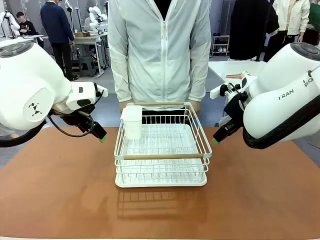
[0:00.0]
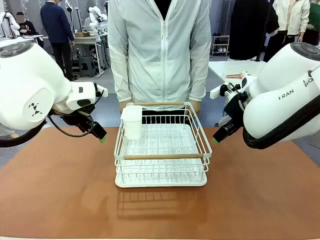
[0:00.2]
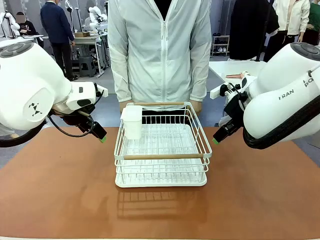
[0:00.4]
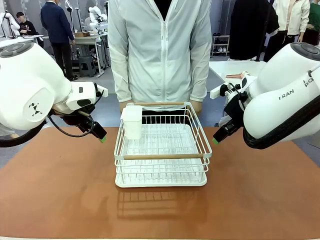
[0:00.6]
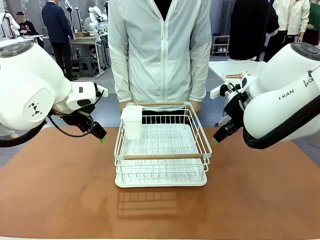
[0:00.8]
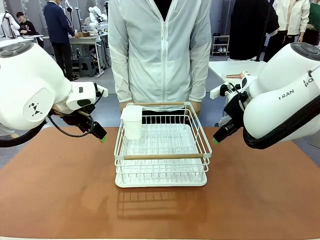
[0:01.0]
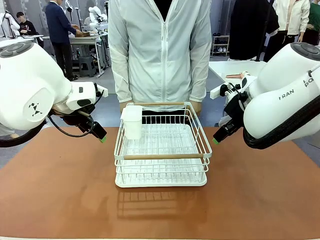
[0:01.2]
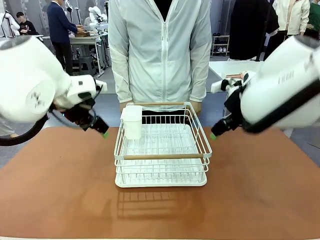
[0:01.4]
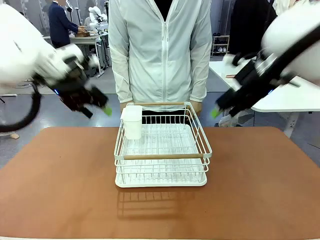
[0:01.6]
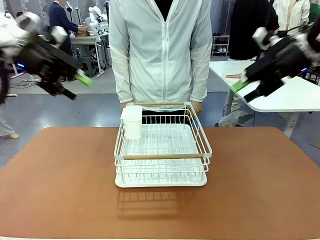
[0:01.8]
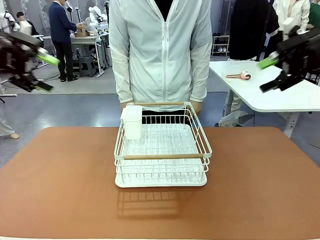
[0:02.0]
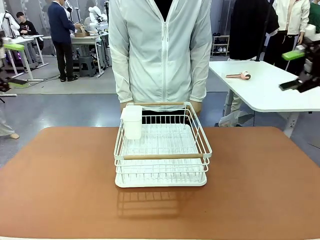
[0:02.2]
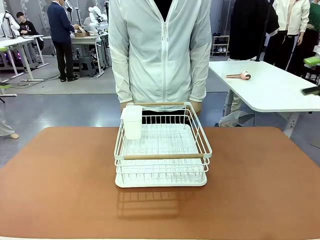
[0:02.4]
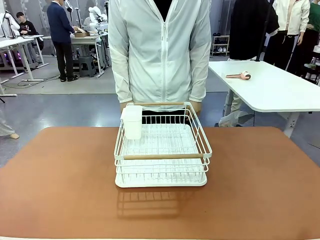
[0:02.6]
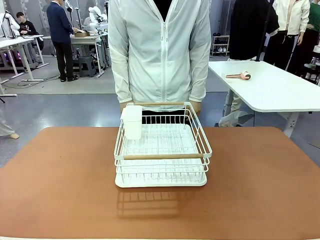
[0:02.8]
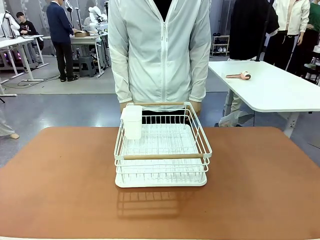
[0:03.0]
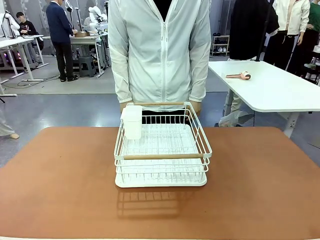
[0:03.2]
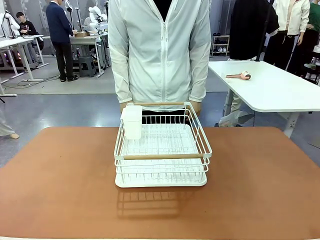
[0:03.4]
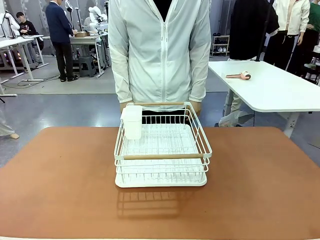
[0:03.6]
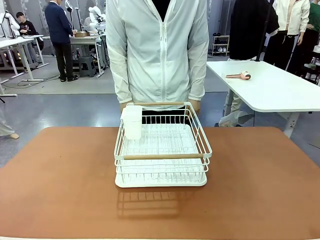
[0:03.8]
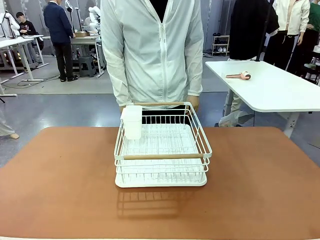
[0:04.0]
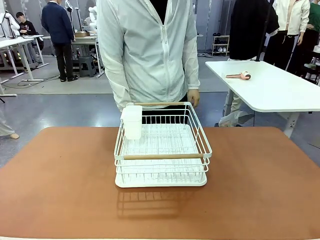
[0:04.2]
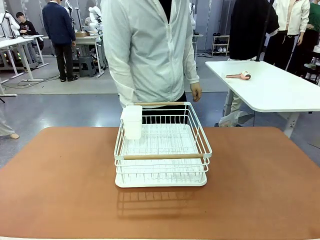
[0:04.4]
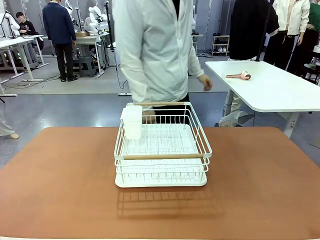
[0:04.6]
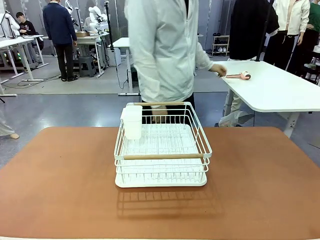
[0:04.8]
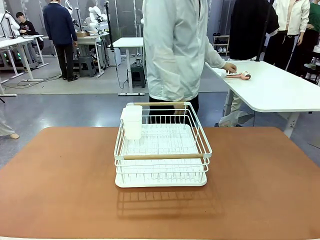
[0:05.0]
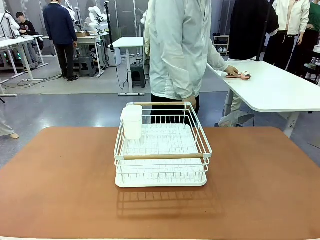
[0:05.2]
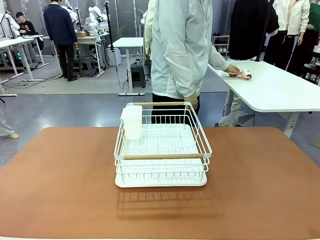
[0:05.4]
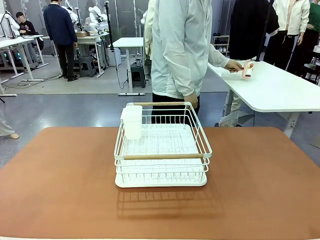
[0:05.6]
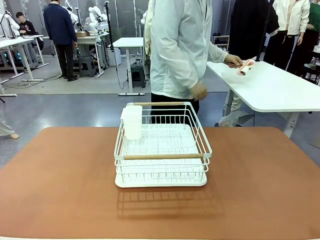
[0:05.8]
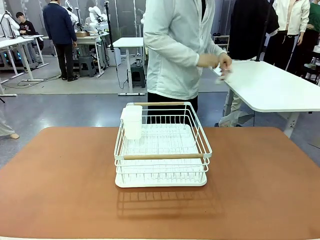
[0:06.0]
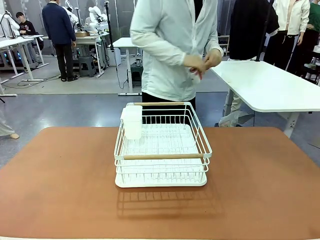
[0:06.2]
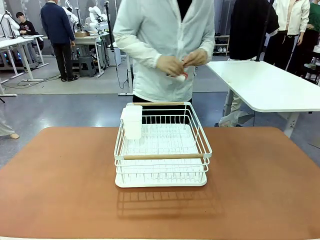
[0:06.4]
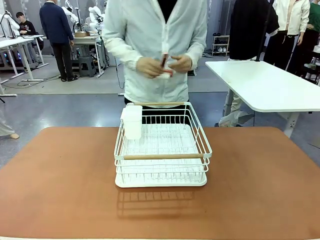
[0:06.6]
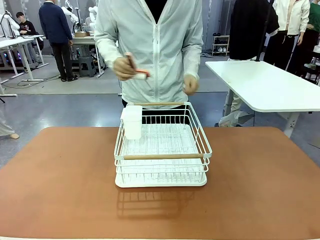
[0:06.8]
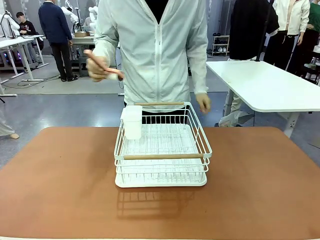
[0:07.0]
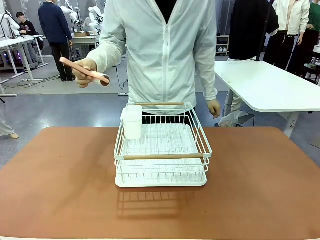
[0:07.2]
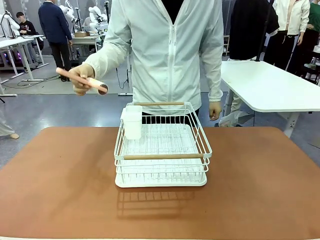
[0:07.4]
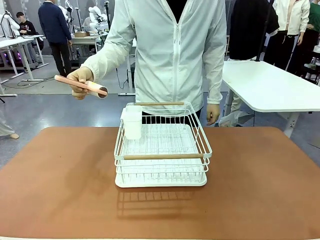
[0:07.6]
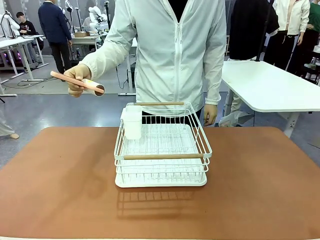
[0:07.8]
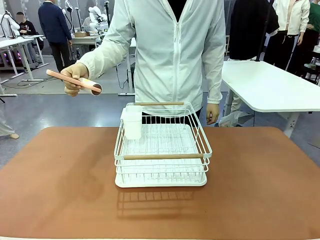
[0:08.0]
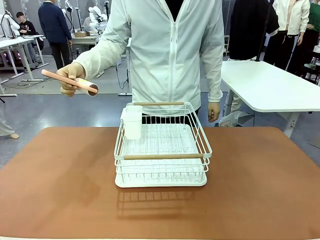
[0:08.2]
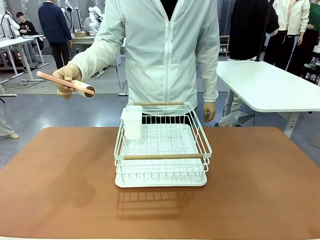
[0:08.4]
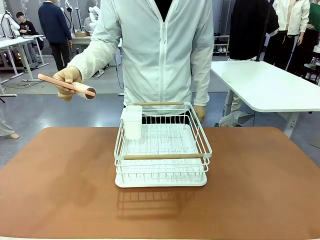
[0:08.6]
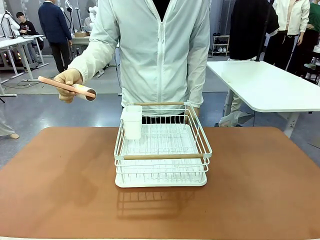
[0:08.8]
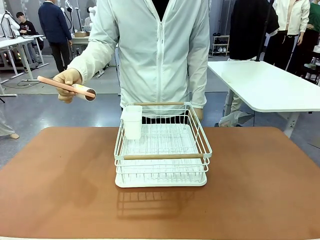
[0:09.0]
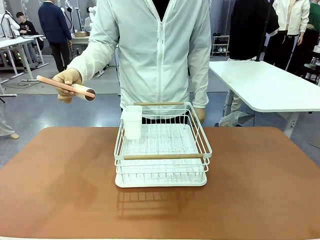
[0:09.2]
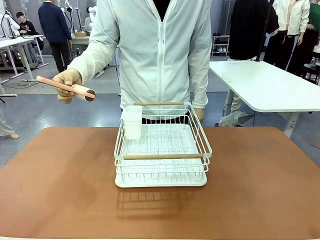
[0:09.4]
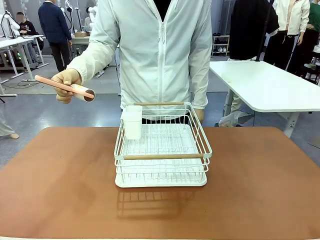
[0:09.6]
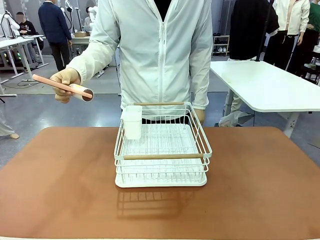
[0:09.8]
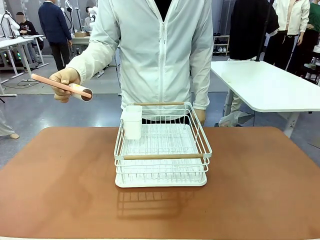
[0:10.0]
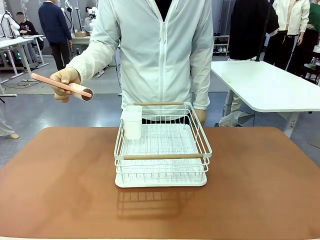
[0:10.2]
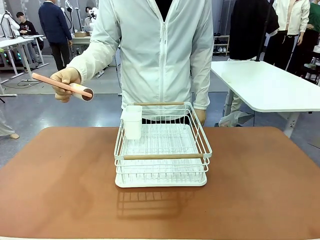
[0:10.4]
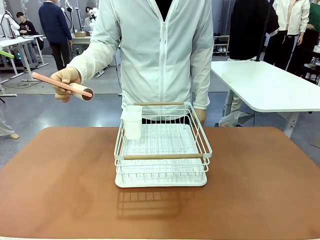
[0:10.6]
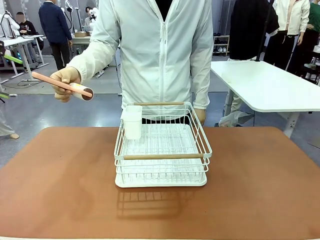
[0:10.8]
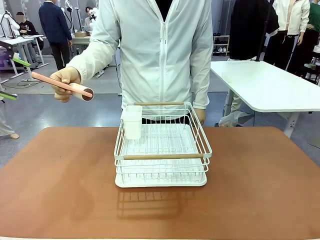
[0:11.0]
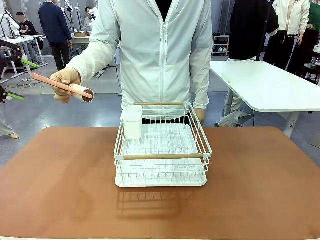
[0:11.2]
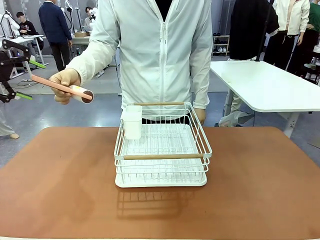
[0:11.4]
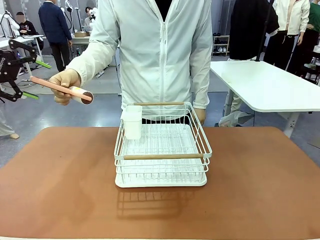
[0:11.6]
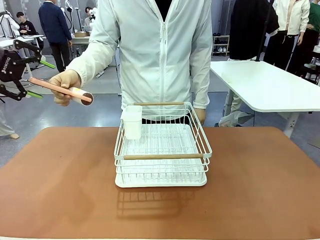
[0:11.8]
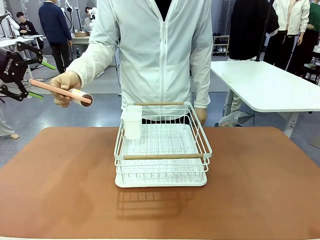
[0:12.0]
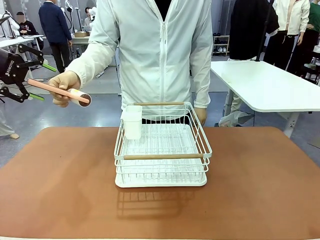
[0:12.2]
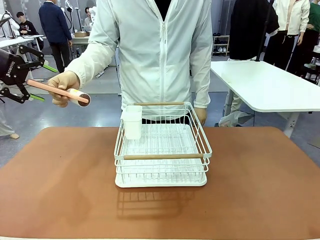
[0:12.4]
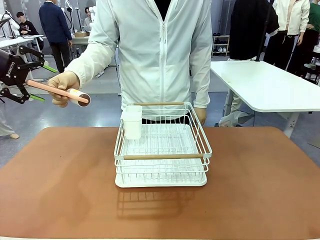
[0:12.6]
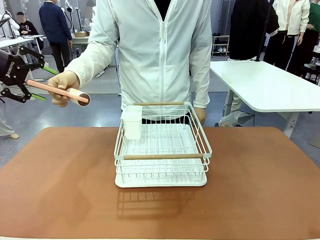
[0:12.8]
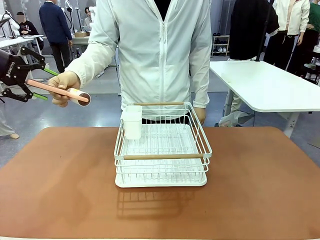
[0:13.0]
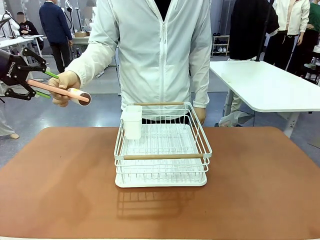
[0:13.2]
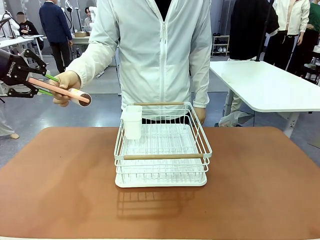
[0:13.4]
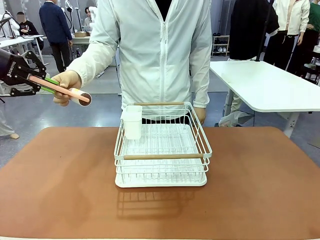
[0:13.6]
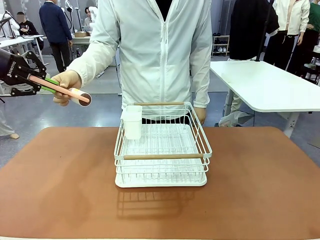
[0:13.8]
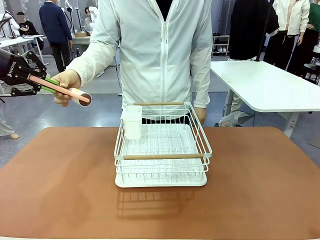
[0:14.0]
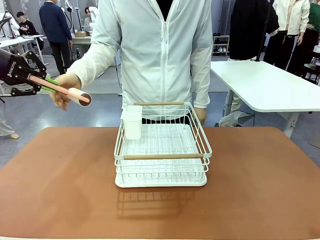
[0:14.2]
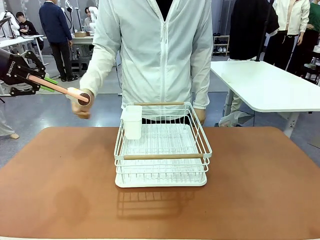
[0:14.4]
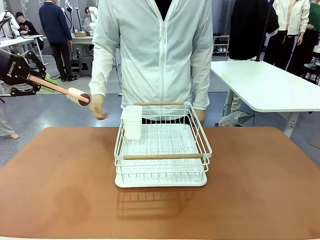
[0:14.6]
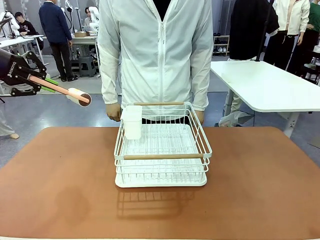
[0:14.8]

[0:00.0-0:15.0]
Task: Clean the table.
Robot: Pick up the Lint Roller when the human hands it over.
Person: Hand the Lint Roller to the robot so it can easily pick it up. Lift the Dish drying rack.

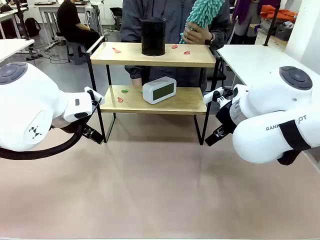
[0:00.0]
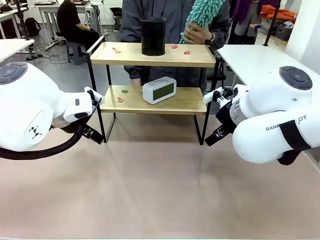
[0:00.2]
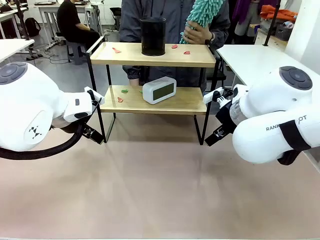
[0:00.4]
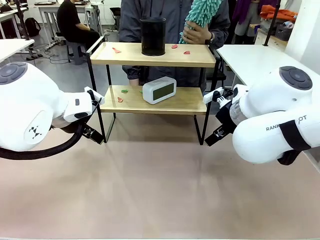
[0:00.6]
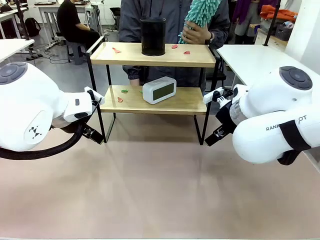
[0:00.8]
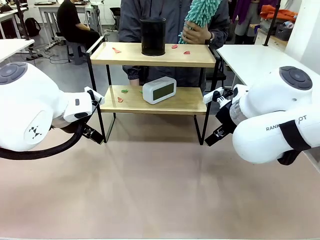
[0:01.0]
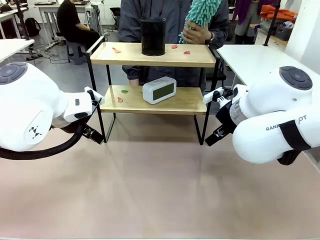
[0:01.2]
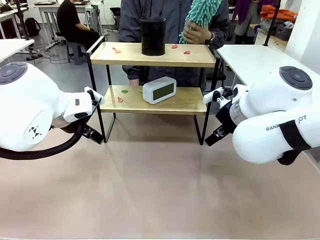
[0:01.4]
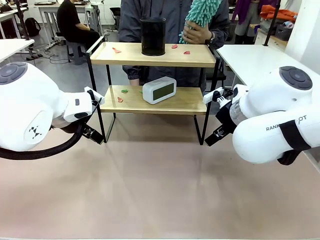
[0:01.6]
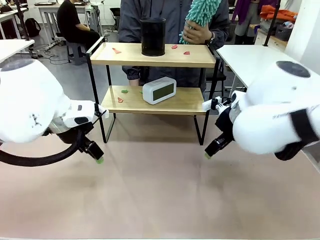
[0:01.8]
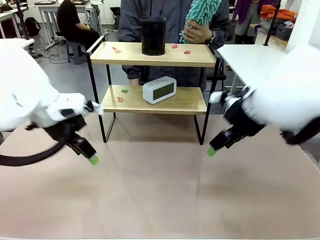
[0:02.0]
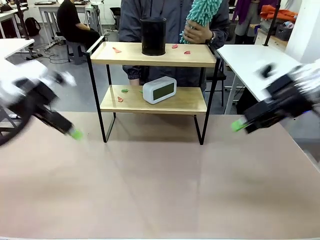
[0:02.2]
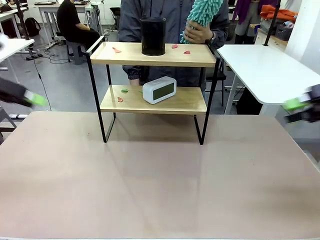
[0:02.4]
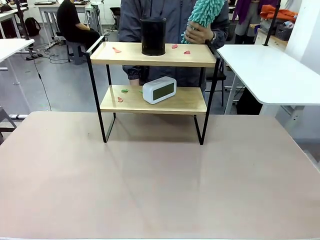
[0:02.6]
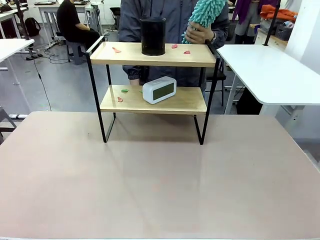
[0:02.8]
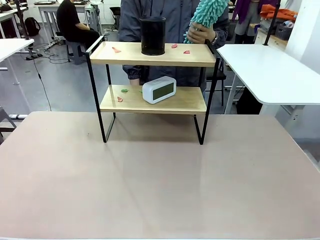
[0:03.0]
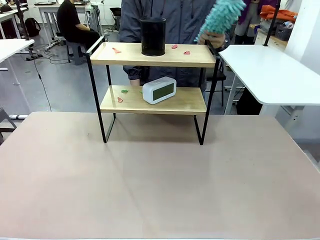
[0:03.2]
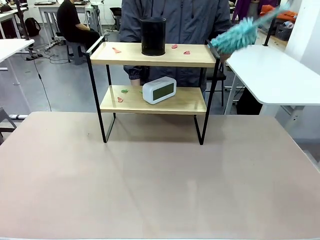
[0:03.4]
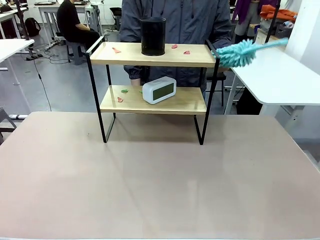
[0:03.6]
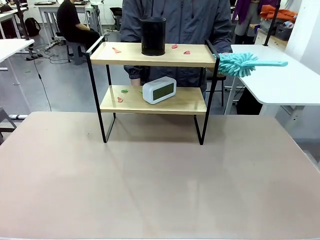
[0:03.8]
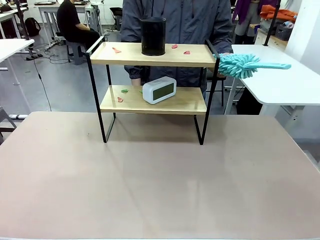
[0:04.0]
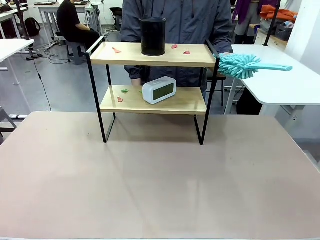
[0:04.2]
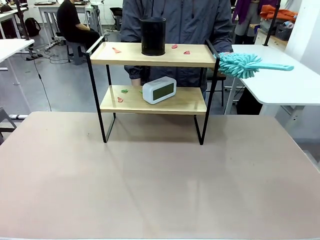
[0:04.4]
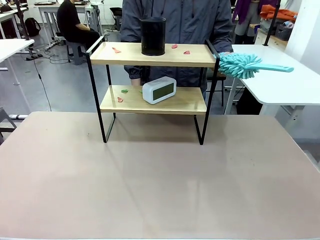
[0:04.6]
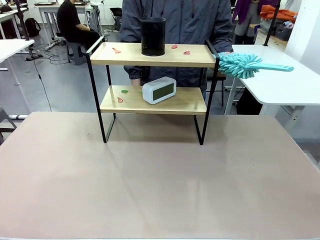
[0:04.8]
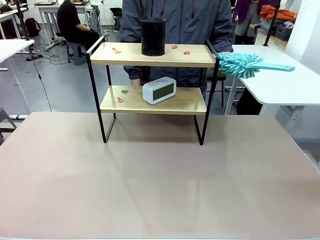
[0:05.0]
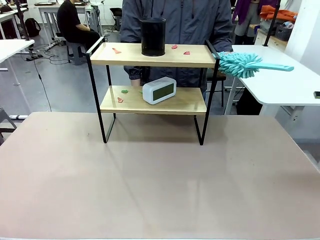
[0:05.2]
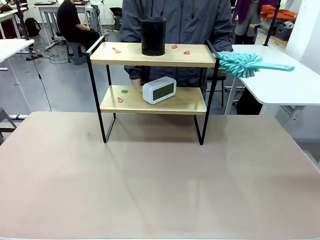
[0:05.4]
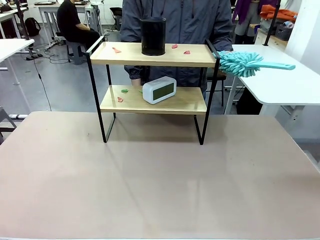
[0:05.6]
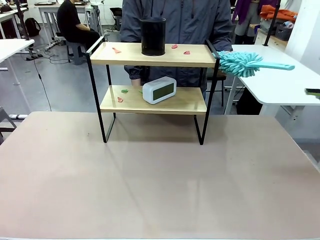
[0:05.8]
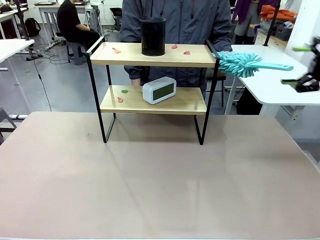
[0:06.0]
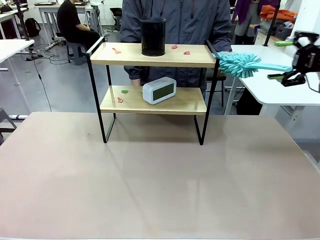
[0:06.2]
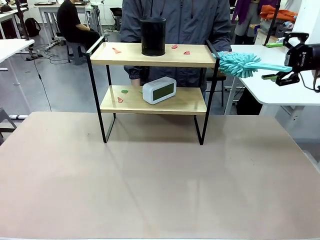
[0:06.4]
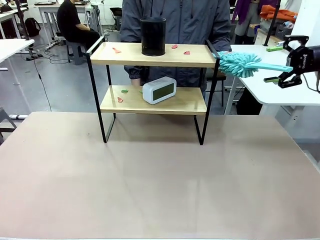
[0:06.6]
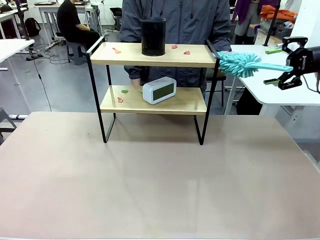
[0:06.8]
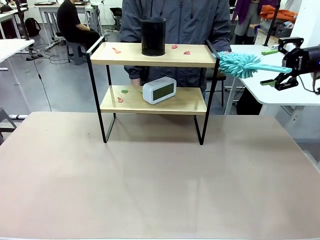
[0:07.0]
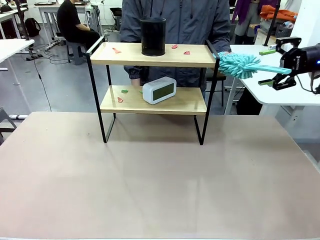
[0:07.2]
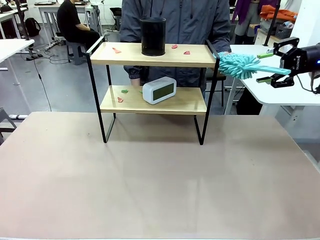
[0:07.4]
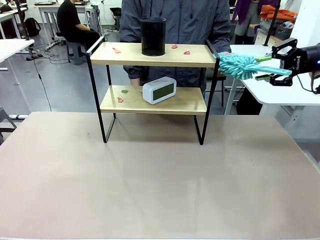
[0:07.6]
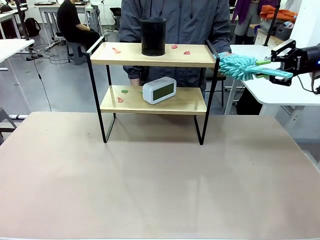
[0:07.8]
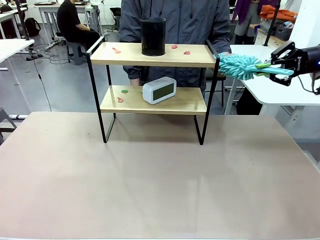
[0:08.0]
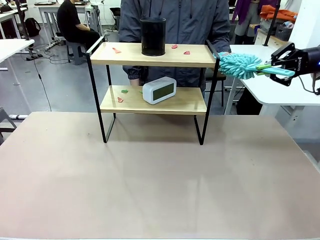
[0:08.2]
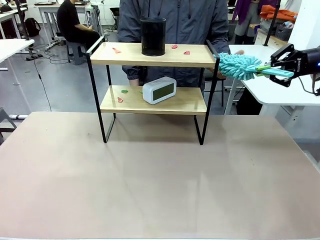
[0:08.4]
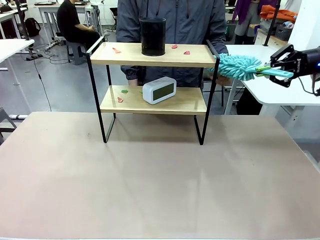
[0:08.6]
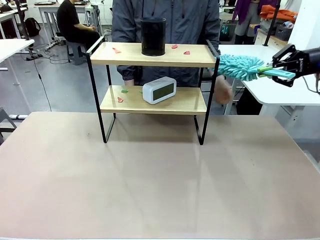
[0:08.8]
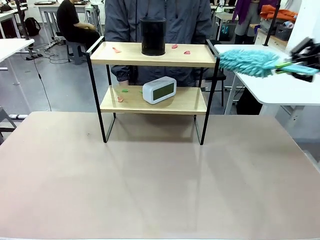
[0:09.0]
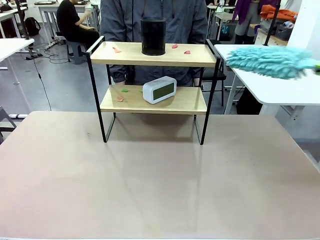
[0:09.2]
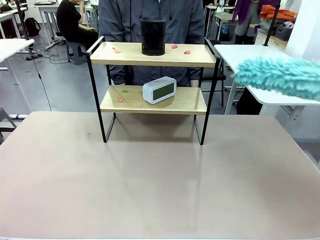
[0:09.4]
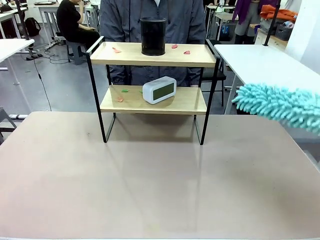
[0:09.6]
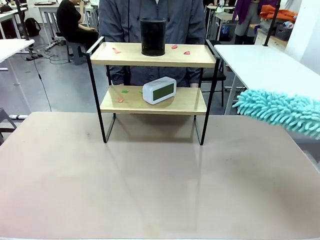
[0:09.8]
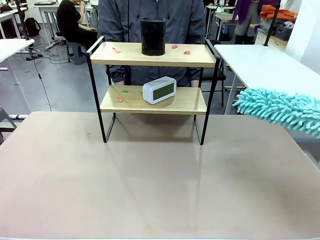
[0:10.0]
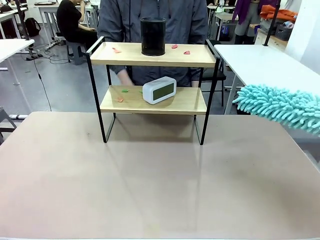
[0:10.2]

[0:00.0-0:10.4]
Task: Clean the shelf.
Robot: Pick up the Duster from the human.
Person: Hand the Duster to the robot.
